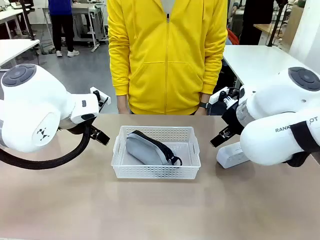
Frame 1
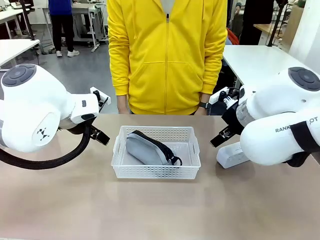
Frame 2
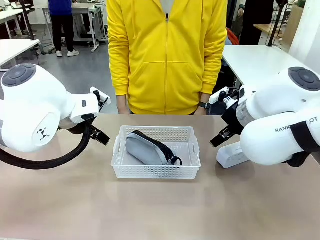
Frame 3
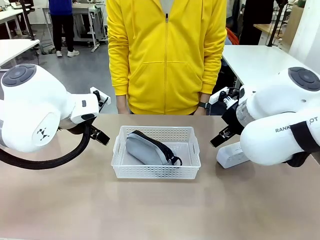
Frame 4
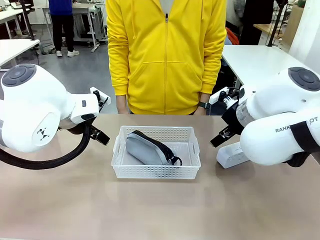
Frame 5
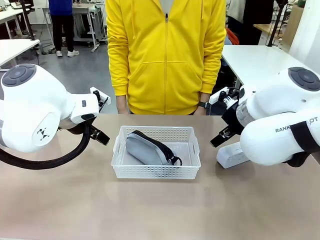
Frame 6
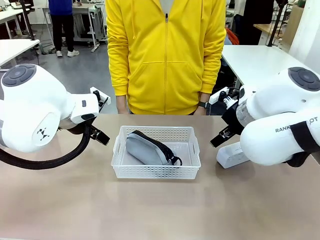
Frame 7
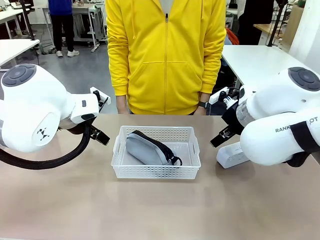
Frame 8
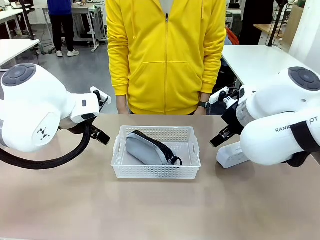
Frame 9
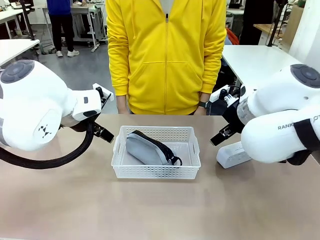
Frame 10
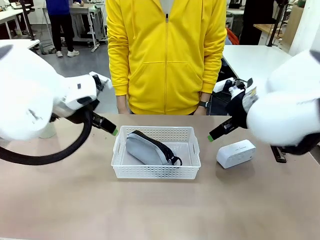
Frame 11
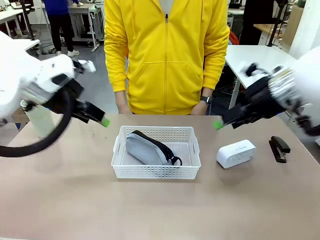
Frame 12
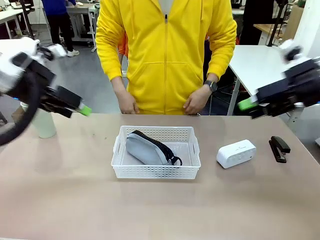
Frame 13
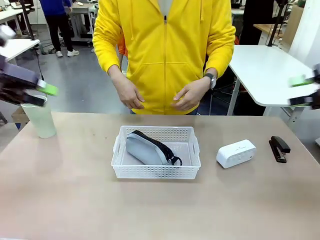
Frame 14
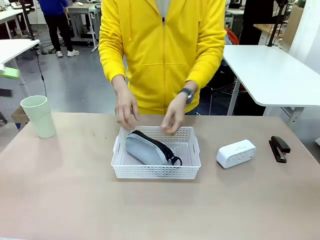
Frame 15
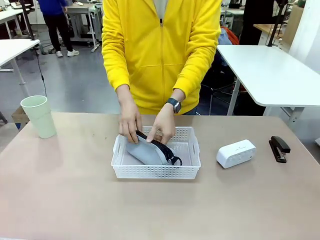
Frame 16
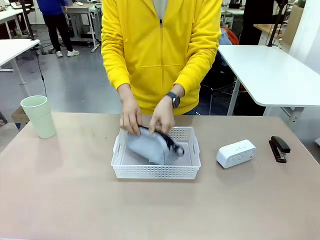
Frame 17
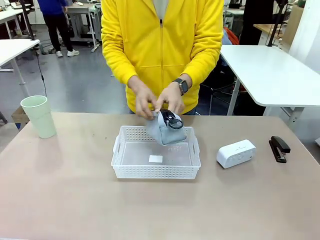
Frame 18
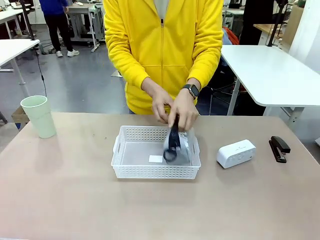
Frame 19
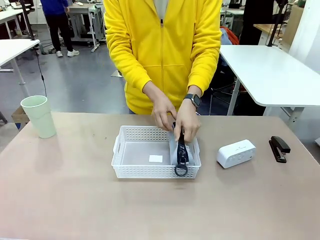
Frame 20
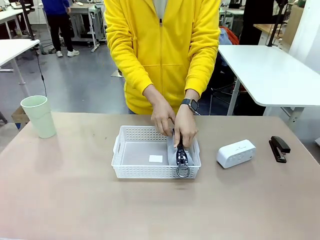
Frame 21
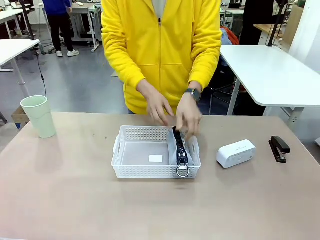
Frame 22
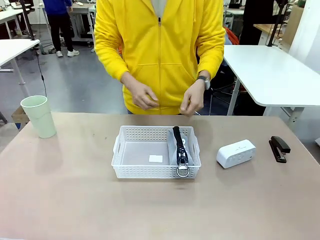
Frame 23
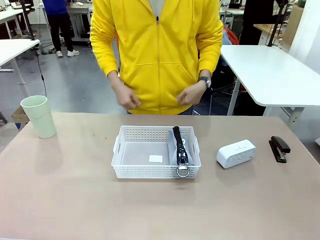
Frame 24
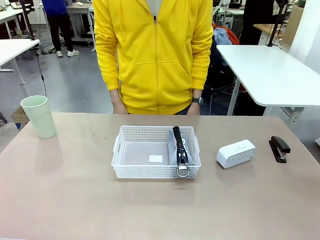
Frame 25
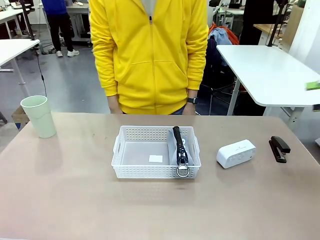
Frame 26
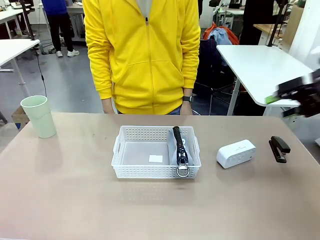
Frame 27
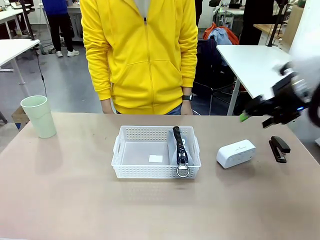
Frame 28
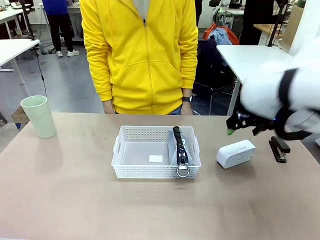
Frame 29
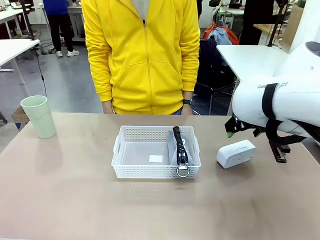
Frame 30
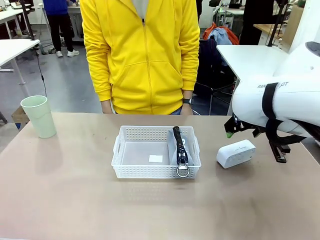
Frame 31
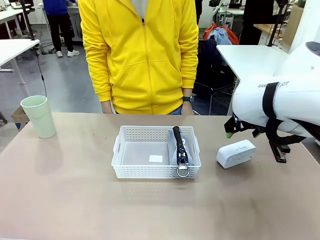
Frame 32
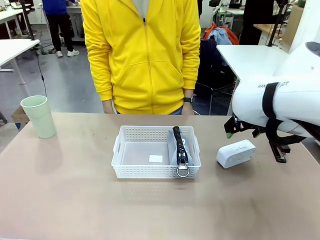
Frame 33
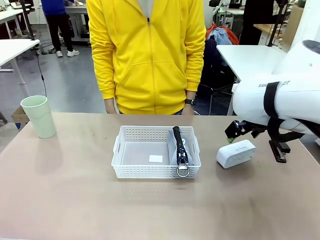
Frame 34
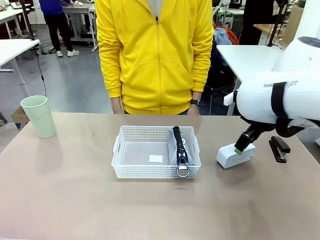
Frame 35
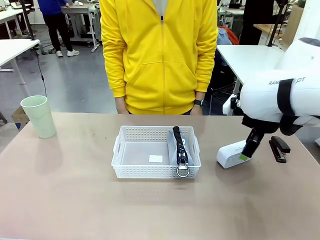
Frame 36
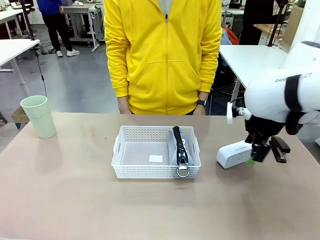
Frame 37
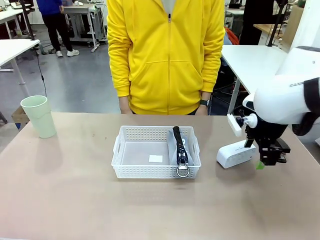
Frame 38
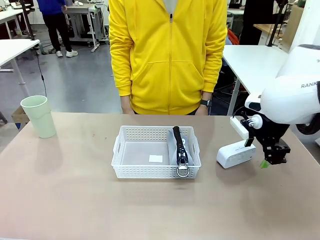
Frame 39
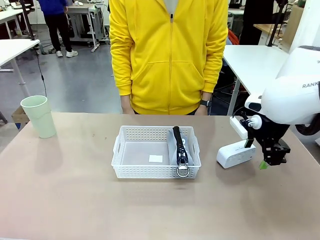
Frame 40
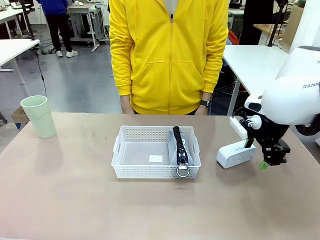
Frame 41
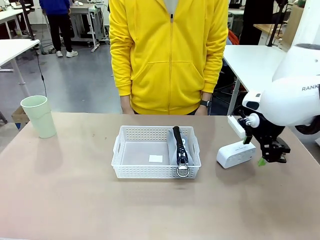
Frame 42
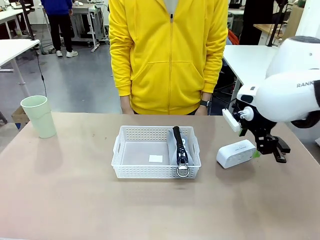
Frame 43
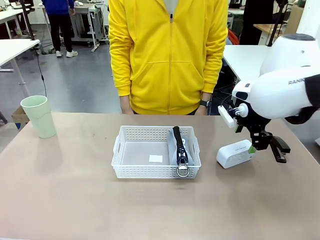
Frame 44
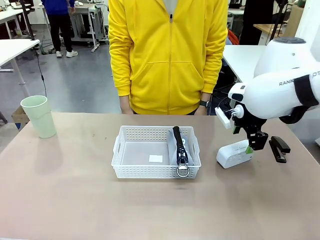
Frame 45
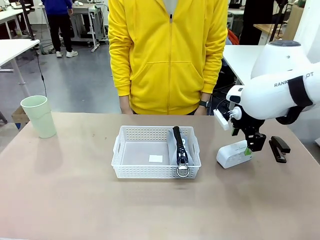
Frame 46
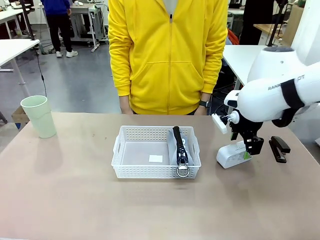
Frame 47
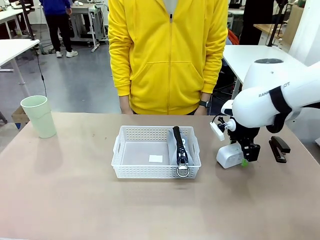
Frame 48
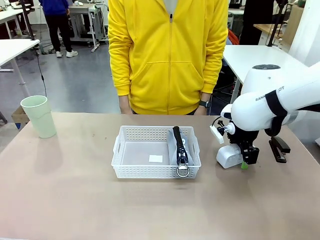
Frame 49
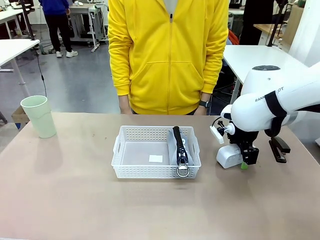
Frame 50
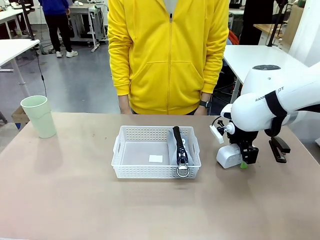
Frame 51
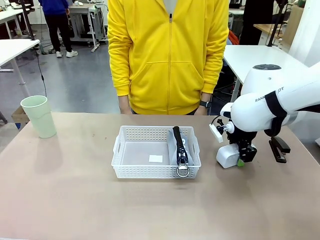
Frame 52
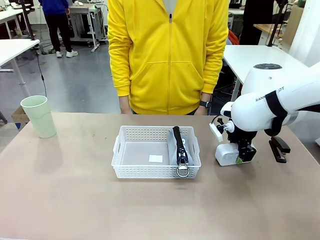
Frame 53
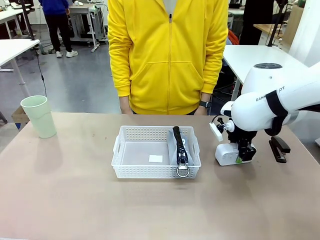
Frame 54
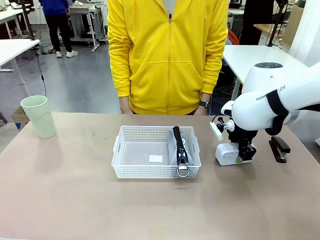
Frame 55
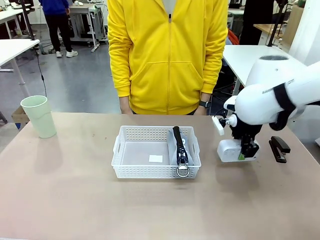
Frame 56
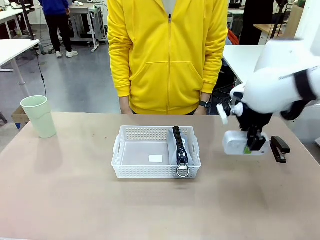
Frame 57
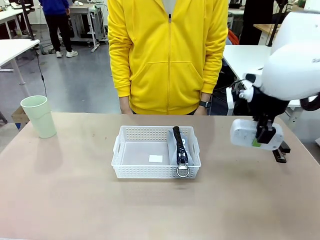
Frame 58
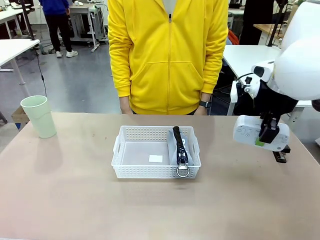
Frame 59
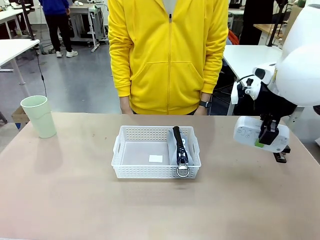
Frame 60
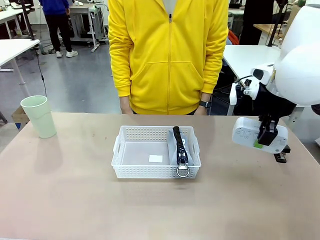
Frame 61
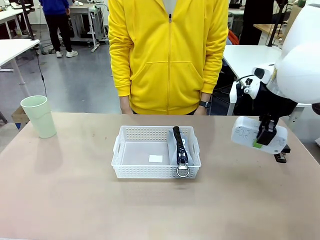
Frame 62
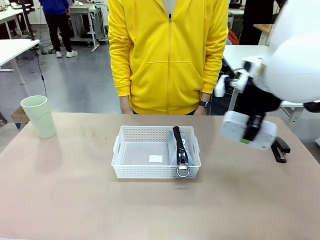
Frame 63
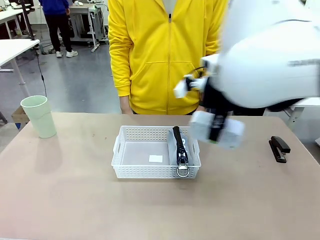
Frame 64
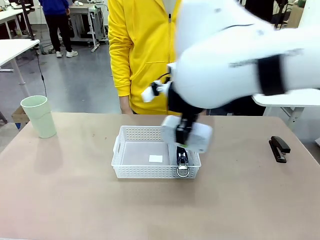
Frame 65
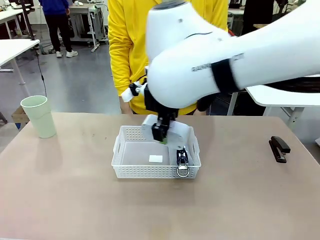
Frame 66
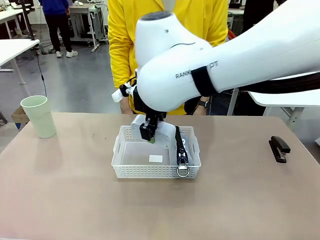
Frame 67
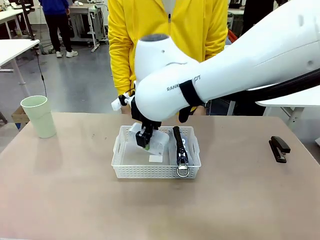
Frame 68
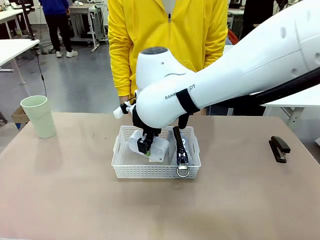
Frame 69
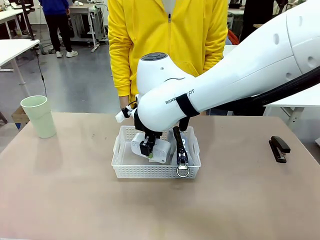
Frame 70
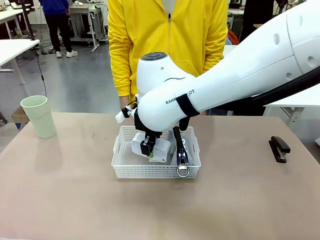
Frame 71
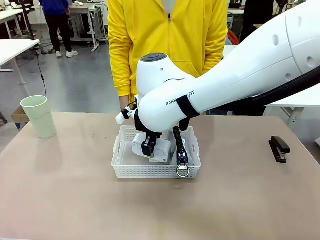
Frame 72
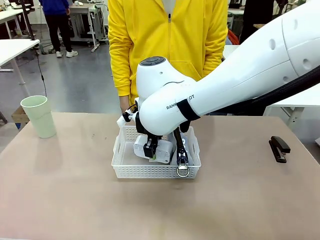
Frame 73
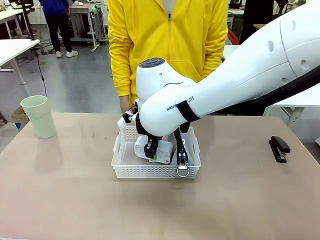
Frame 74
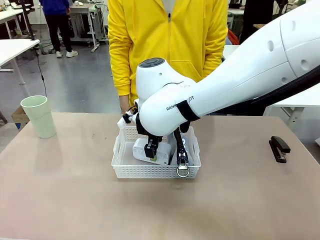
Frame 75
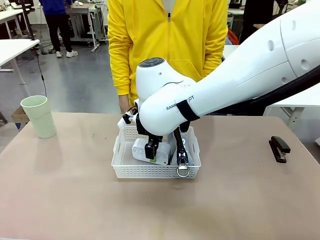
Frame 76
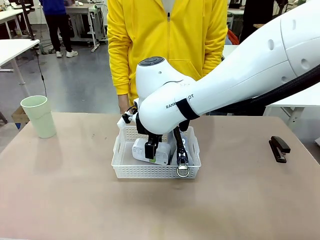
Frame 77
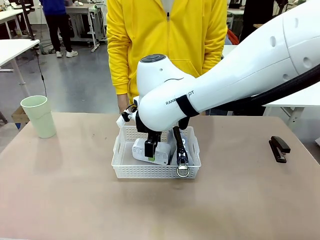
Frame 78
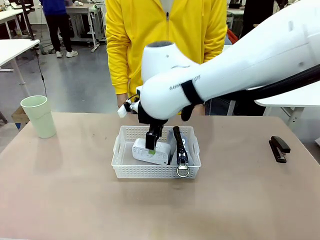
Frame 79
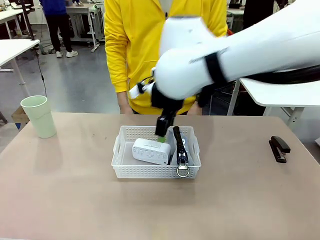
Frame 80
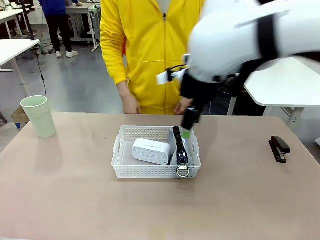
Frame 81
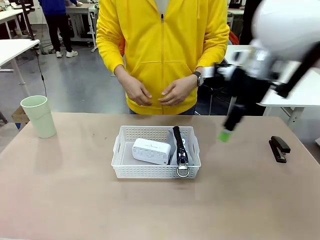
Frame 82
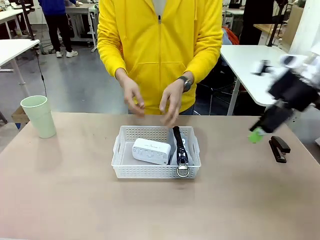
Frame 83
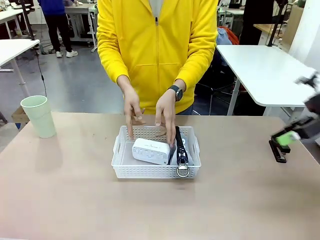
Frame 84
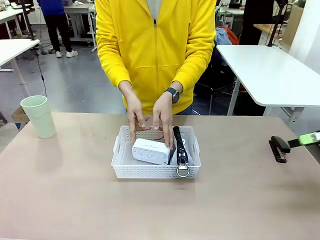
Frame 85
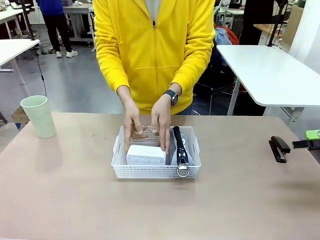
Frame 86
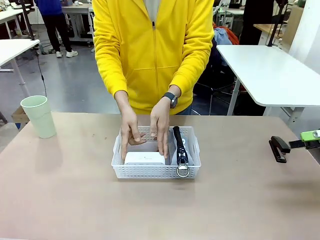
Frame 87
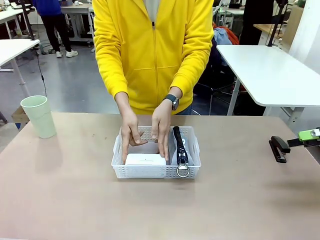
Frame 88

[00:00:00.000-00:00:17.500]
Task: Efficiently arrange items inside the basket to fit them all.
Robot: Pick up the Digital clock and place it inside the Organizing basket.
Person: Repositions the pencil case. Repositions the digital clock.
